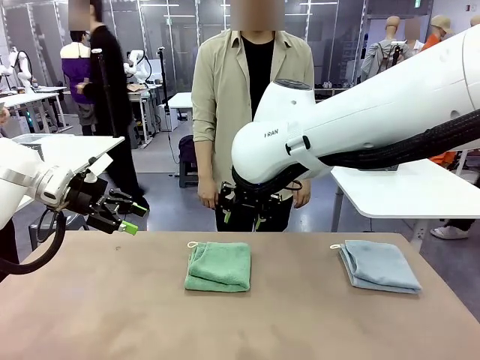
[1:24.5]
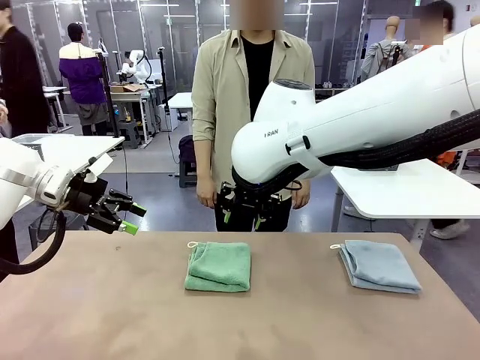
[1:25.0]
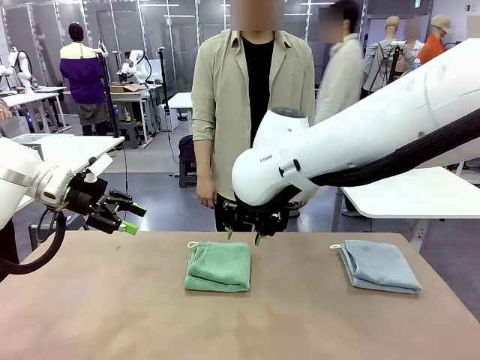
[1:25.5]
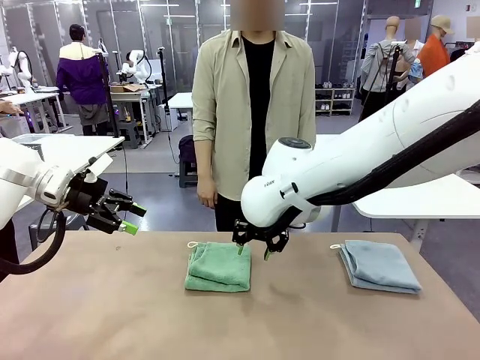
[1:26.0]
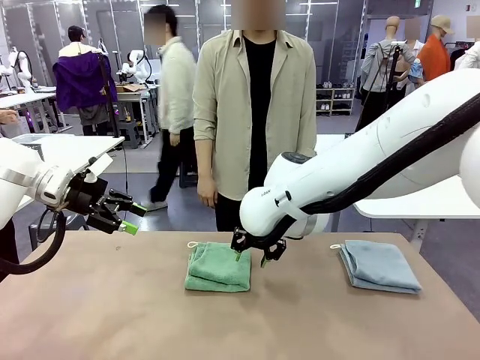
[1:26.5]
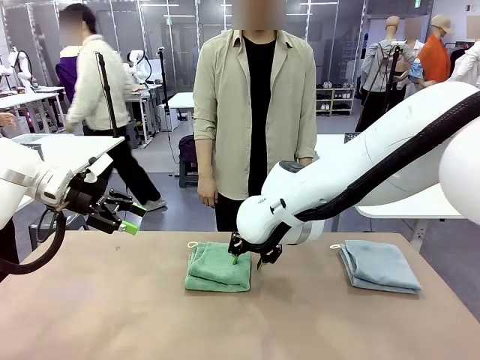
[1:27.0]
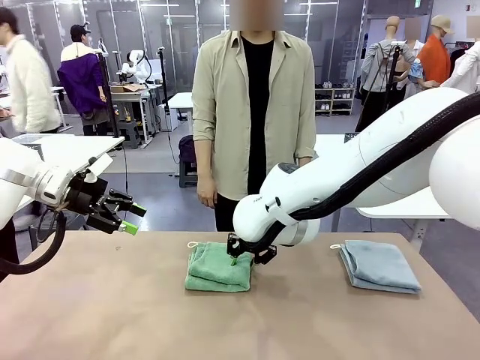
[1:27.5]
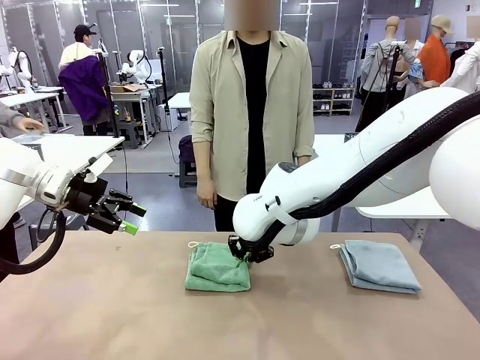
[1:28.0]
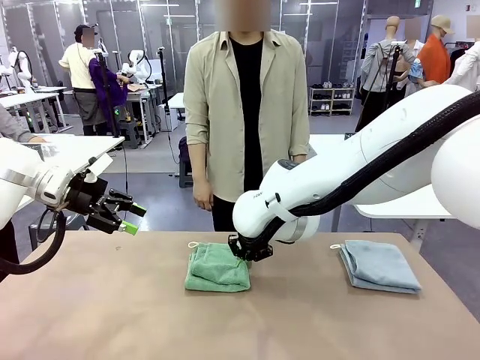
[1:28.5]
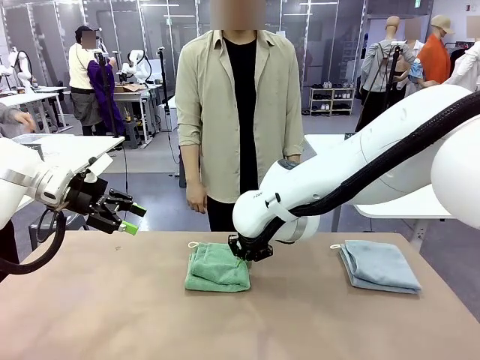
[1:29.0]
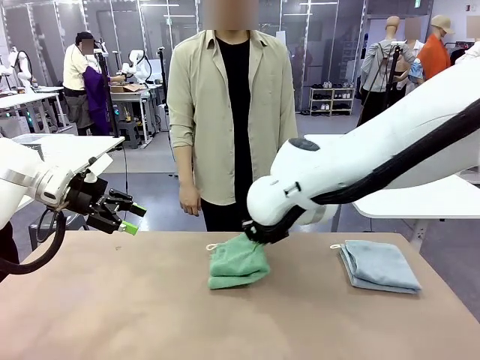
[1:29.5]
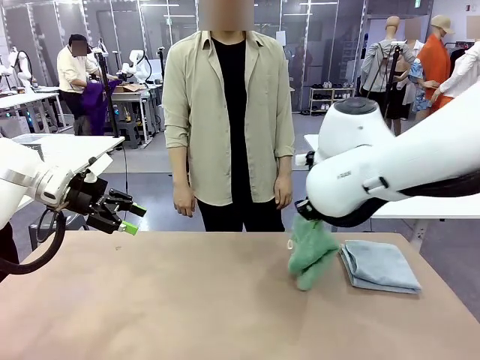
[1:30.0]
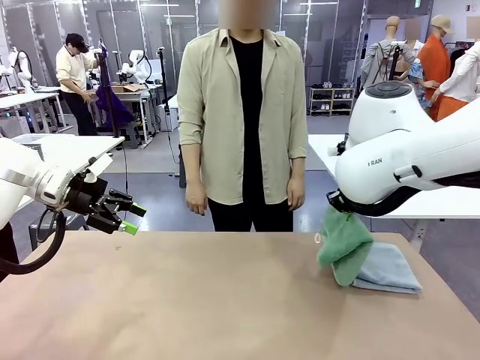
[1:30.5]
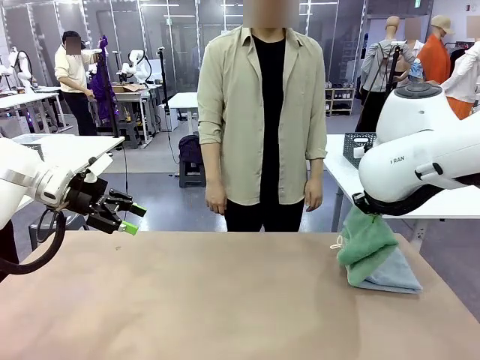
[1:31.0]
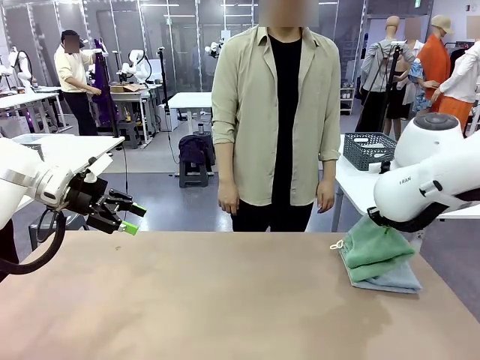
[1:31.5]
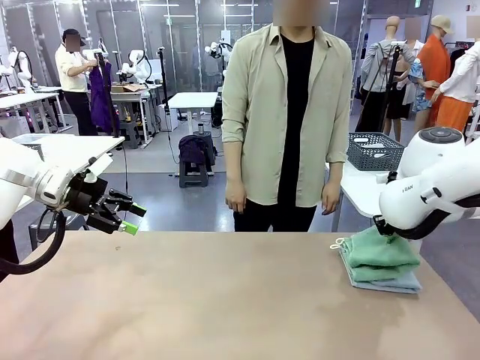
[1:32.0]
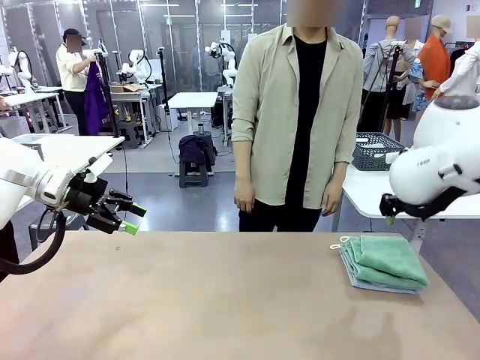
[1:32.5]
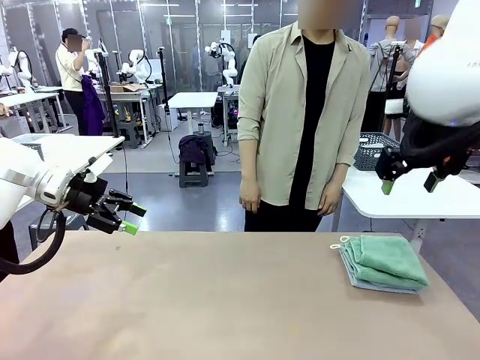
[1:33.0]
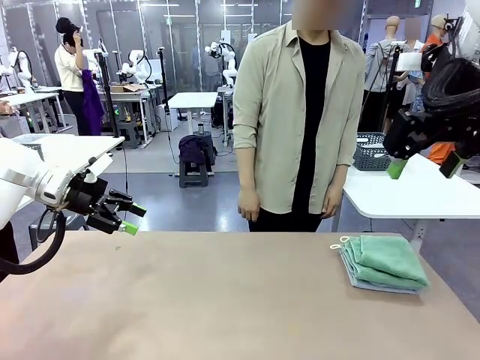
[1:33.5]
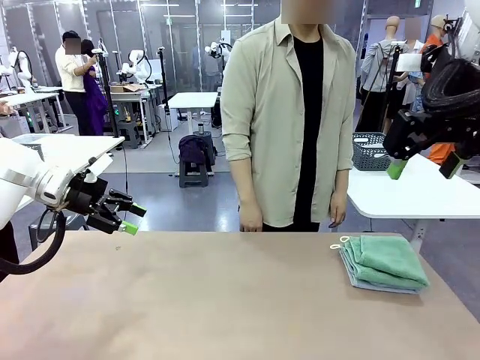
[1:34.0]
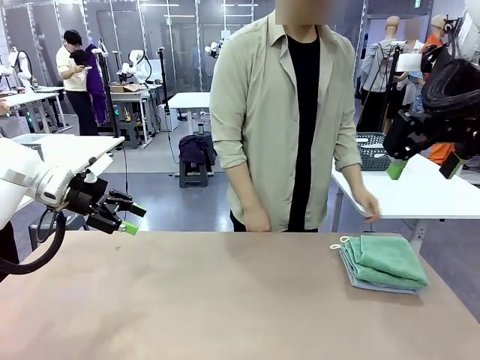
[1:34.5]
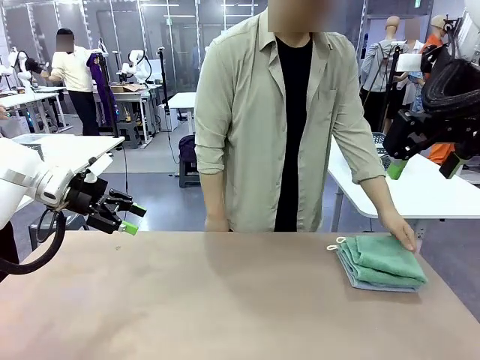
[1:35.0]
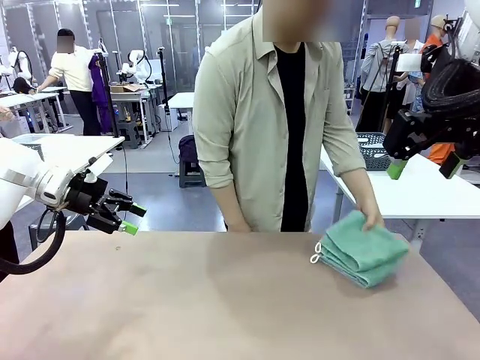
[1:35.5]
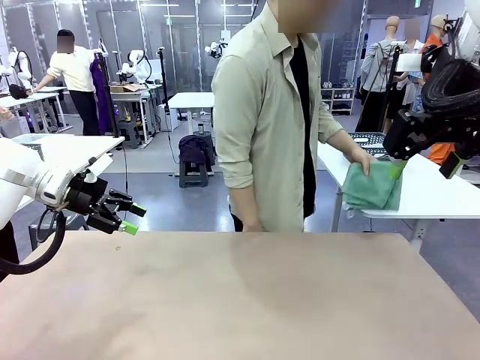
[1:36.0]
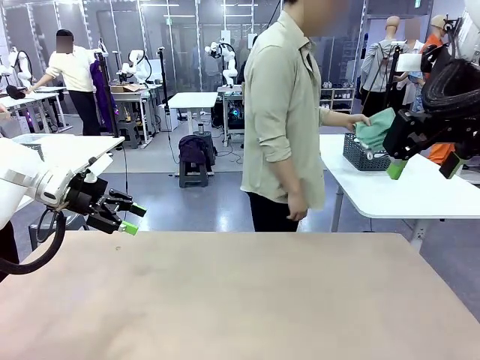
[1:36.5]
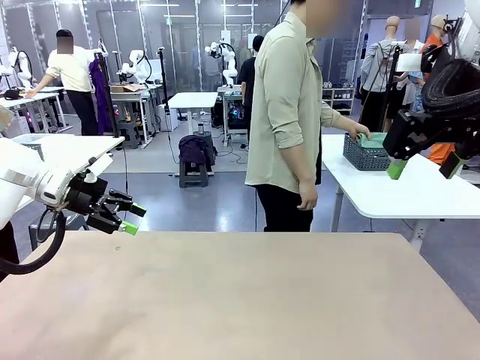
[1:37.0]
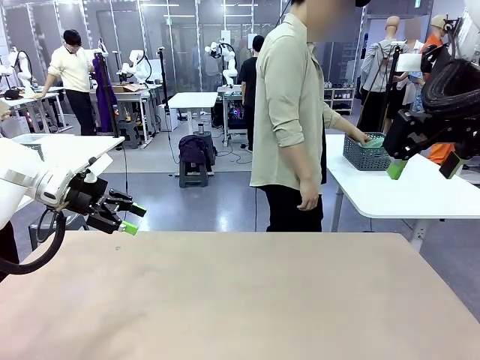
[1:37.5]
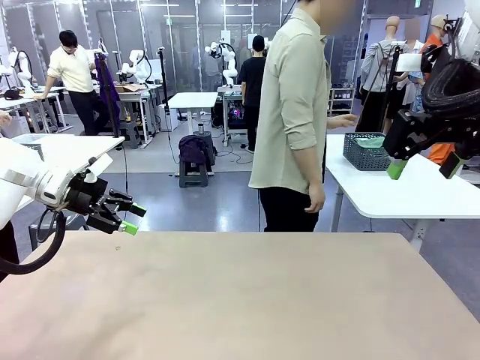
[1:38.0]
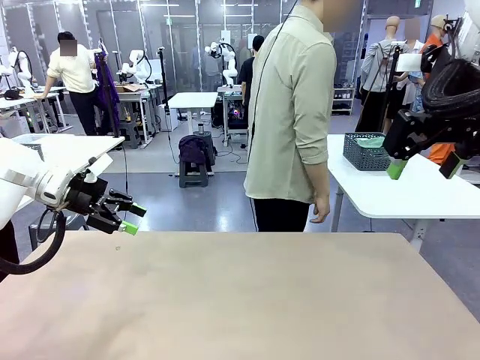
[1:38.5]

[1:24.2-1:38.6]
Task: Fold the towels and place them in the basket.
Robot: Stack the folded Towel with hook on the right side of the table.
Person: Pick up the stack of towels from the robot table and place it into the basket.

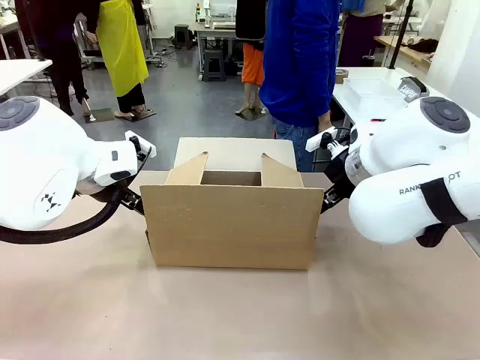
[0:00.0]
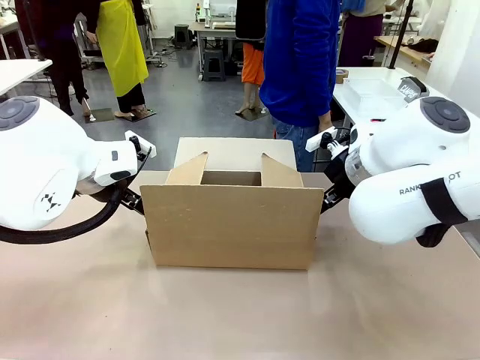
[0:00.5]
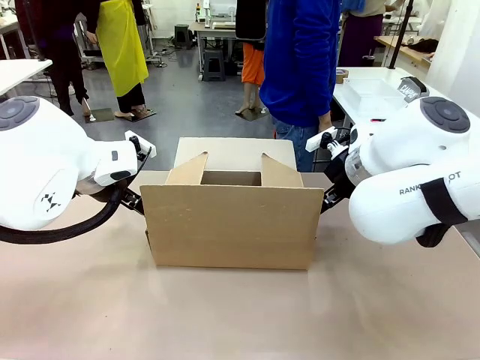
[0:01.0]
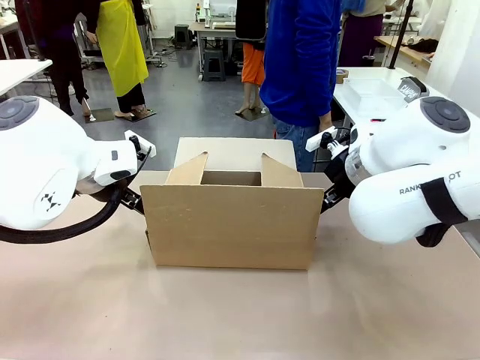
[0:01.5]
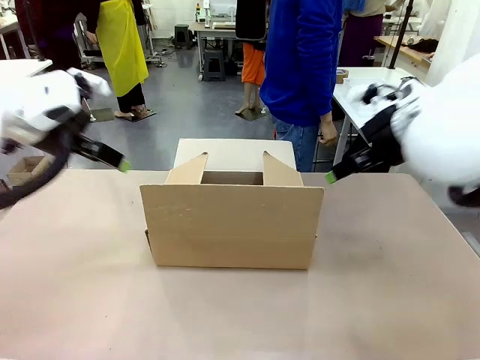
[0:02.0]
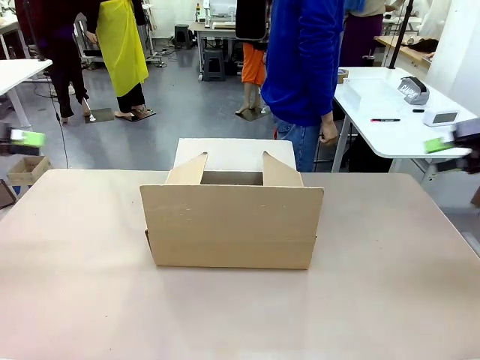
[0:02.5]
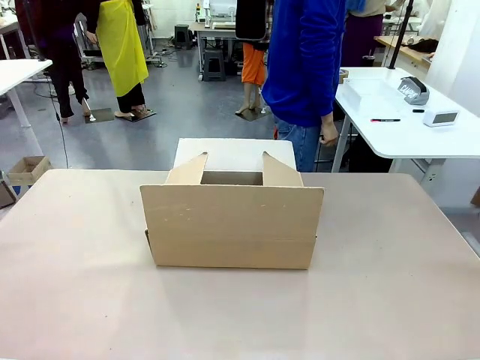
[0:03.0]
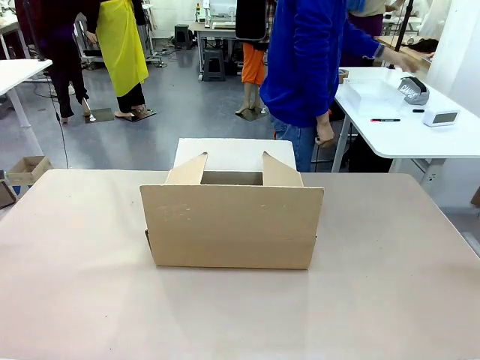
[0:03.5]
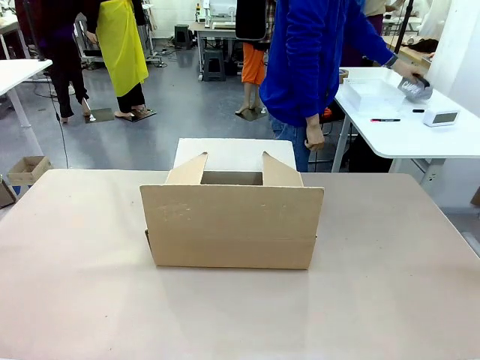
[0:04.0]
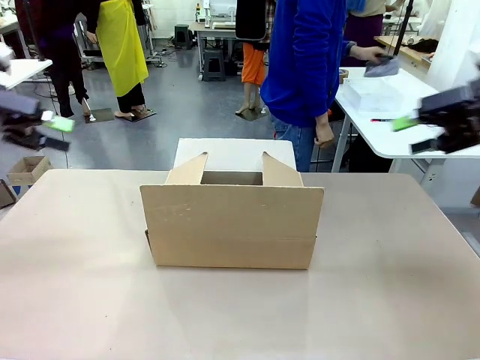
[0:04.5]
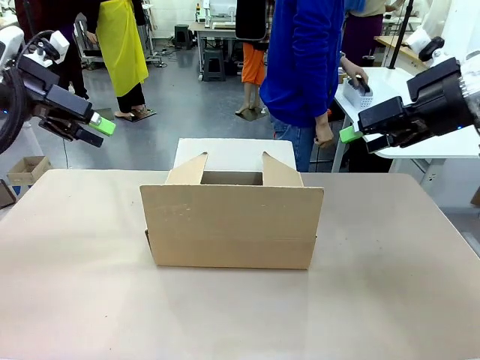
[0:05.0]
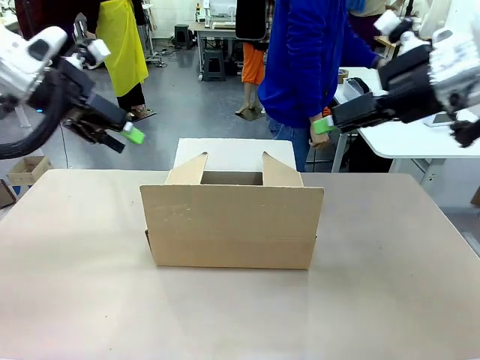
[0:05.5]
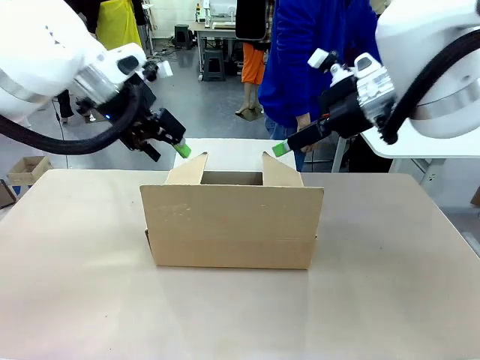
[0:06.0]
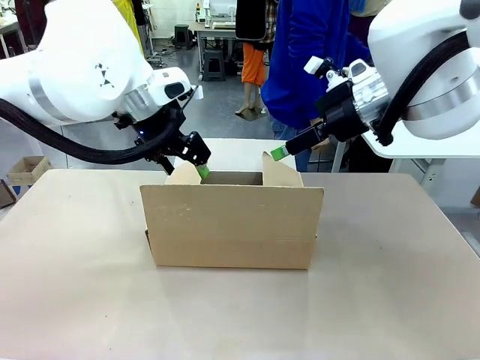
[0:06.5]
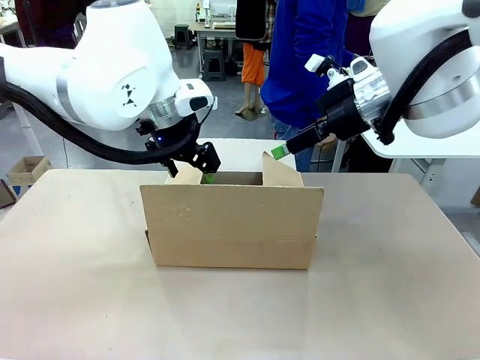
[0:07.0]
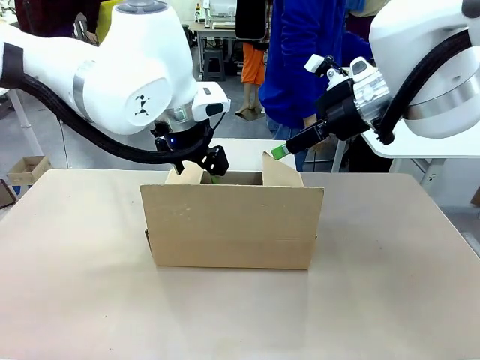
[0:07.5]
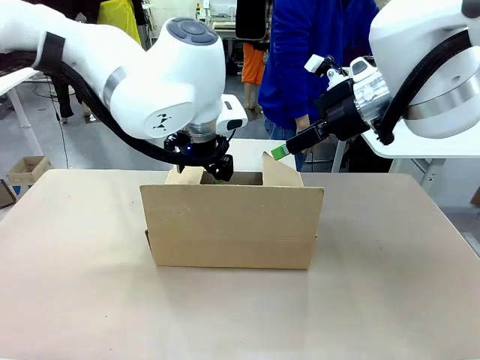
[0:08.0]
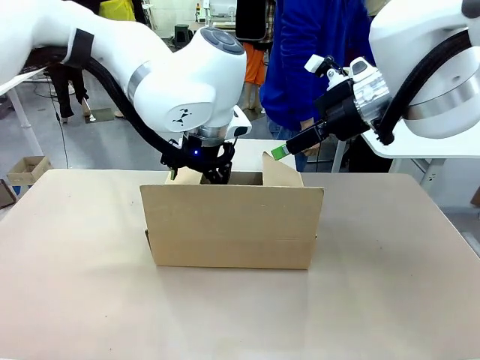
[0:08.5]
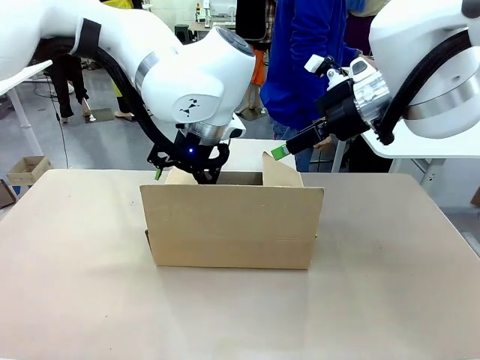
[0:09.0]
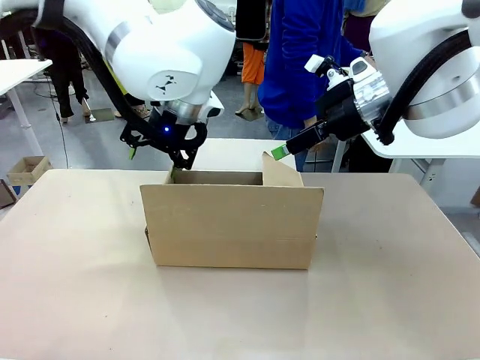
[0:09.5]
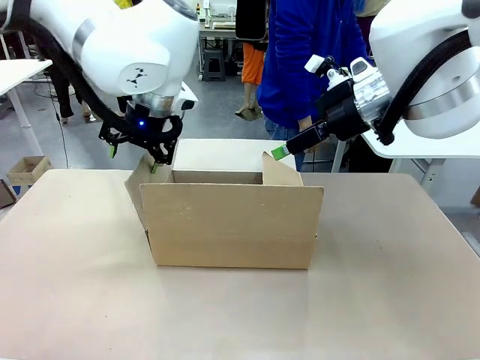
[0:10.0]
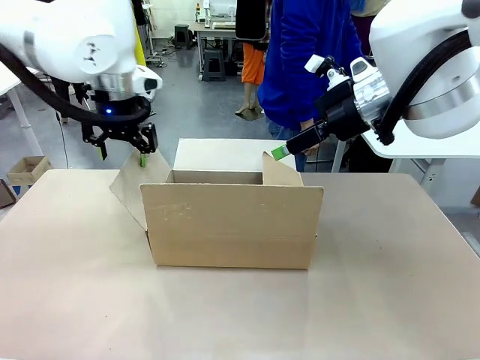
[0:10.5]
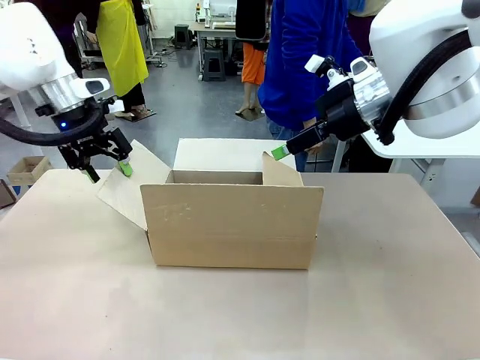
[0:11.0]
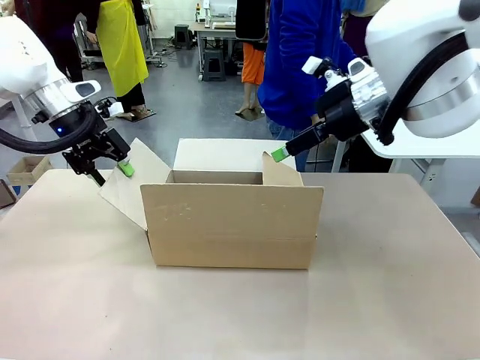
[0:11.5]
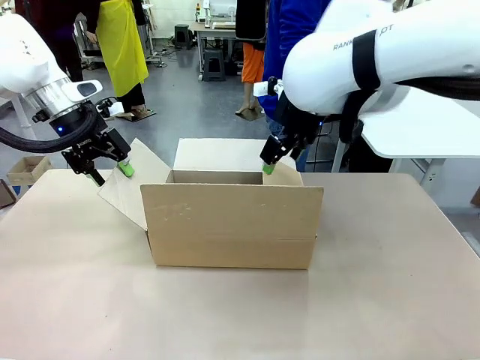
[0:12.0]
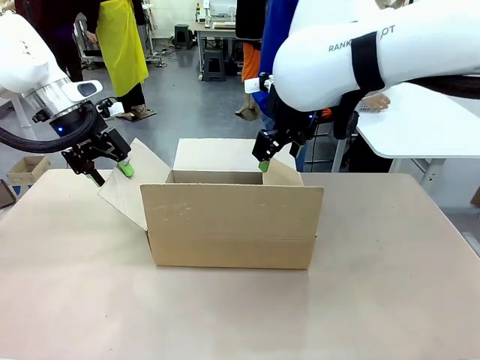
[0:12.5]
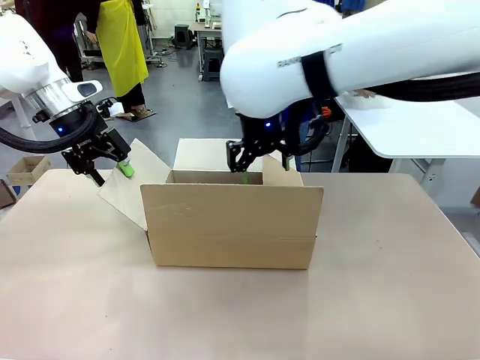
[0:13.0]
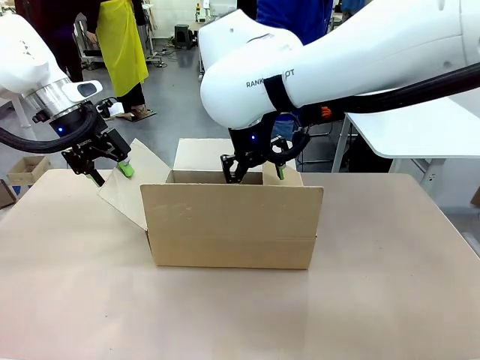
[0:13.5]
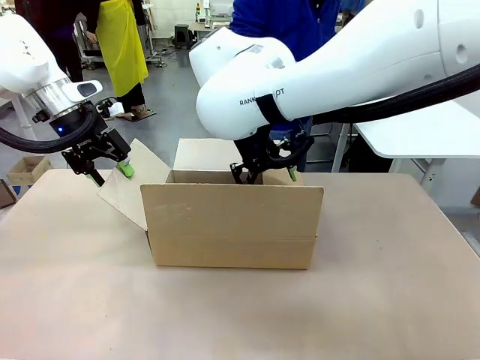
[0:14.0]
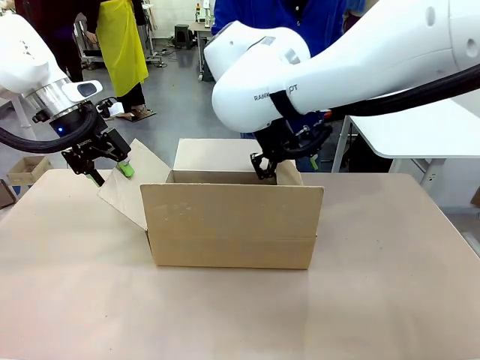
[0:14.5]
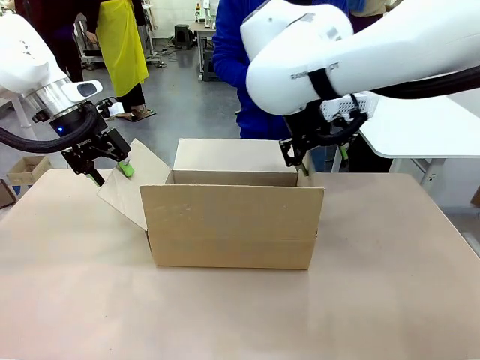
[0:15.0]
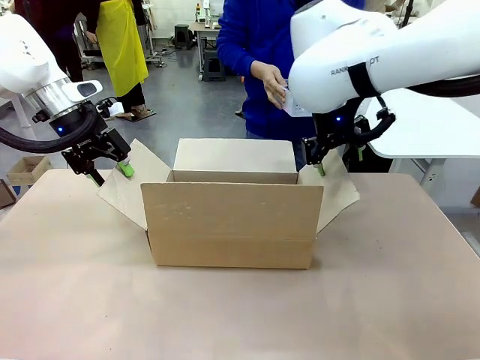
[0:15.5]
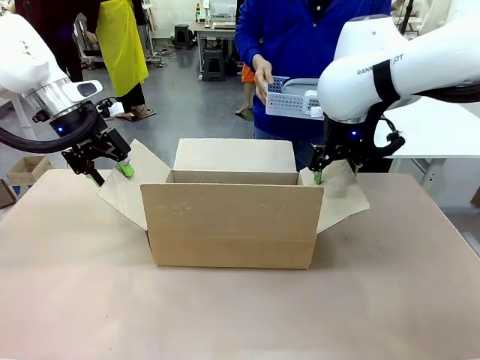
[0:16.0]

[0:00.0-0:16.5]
Task: Pack the gift set into the box.
Robot: Place both hands on the side flaps of the Package Box and spread them outward.
Person: The human places all items except the paper tape into the organizing basket.
